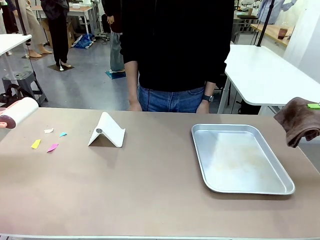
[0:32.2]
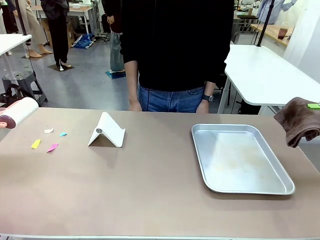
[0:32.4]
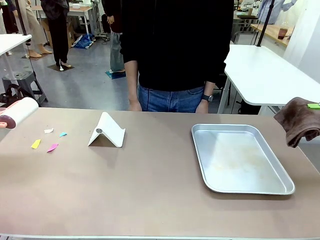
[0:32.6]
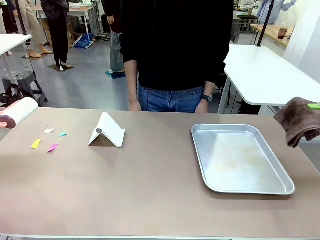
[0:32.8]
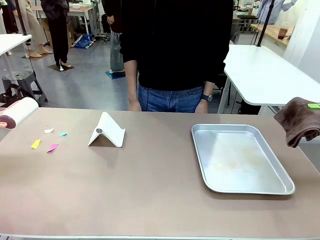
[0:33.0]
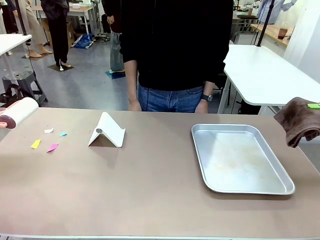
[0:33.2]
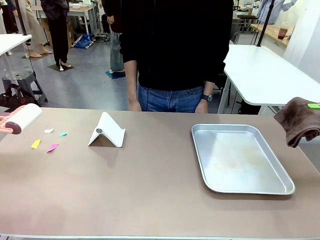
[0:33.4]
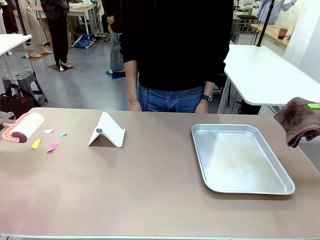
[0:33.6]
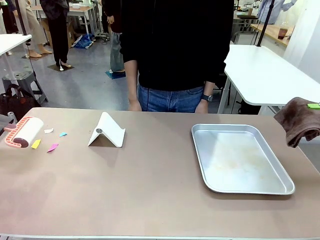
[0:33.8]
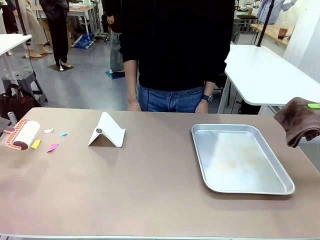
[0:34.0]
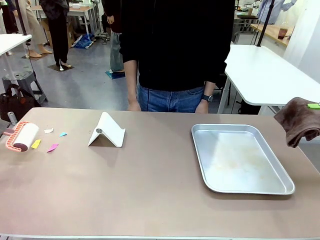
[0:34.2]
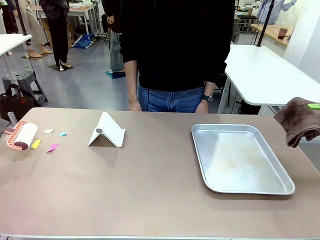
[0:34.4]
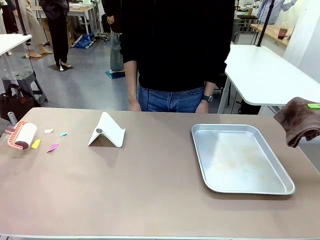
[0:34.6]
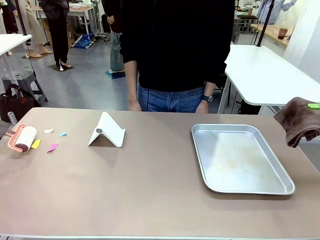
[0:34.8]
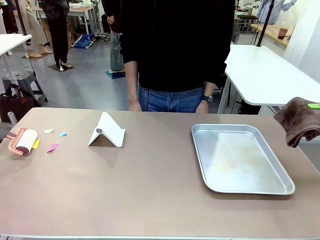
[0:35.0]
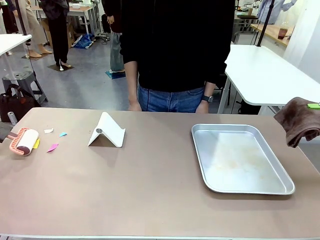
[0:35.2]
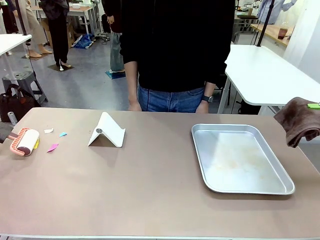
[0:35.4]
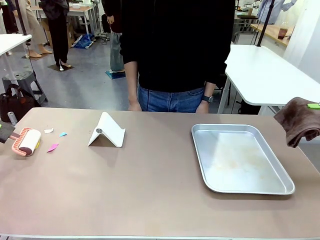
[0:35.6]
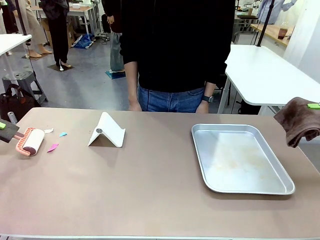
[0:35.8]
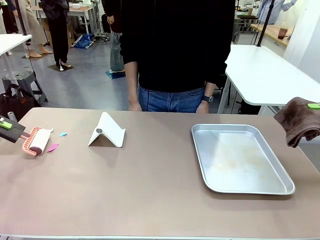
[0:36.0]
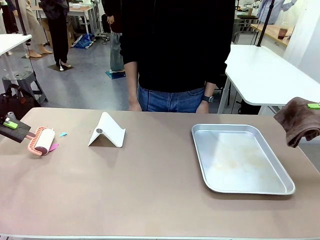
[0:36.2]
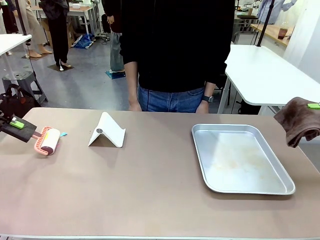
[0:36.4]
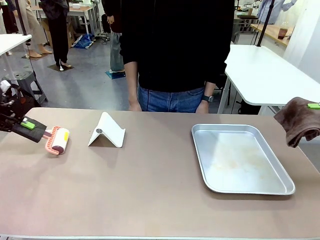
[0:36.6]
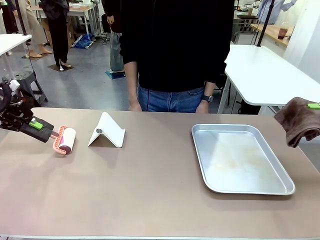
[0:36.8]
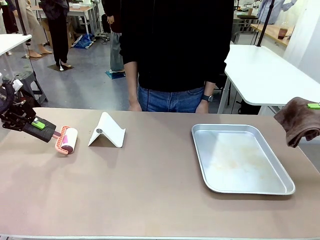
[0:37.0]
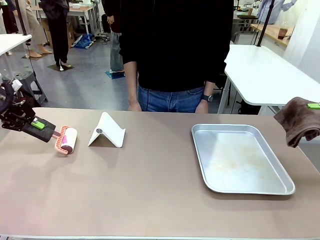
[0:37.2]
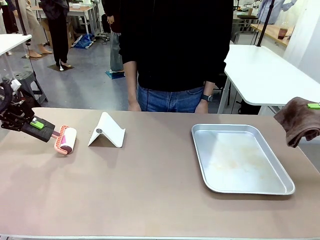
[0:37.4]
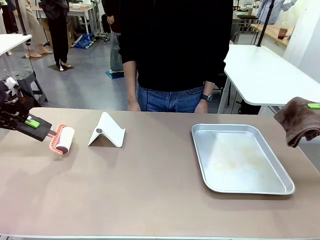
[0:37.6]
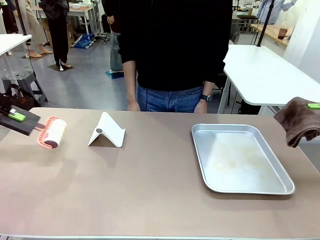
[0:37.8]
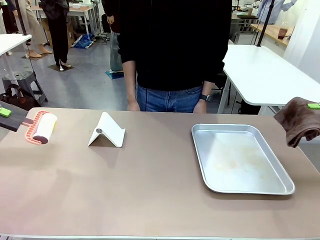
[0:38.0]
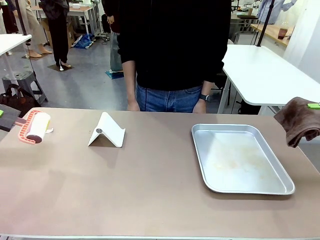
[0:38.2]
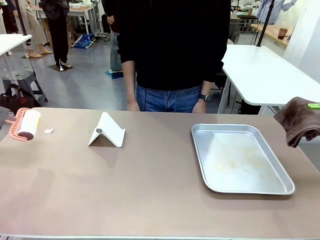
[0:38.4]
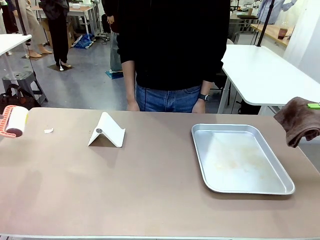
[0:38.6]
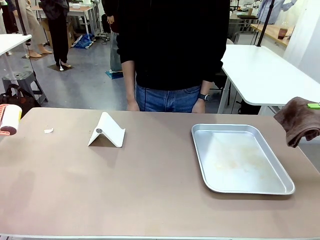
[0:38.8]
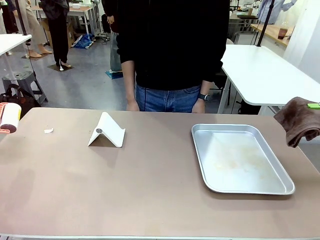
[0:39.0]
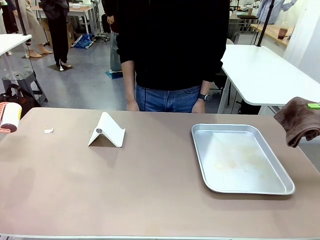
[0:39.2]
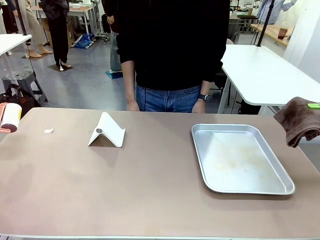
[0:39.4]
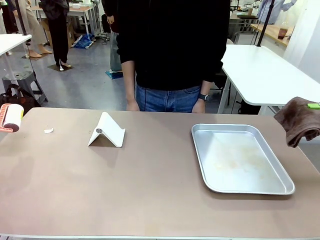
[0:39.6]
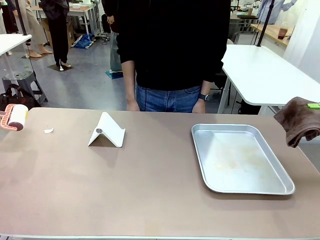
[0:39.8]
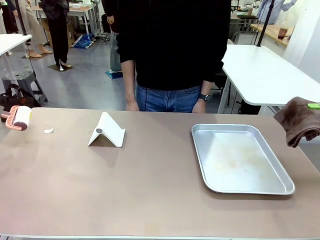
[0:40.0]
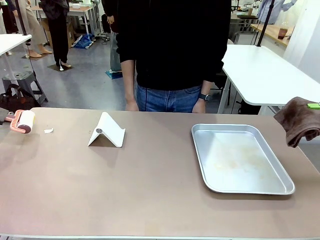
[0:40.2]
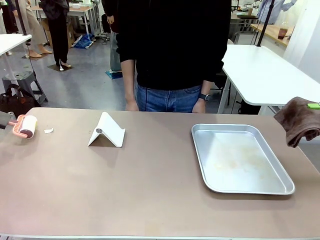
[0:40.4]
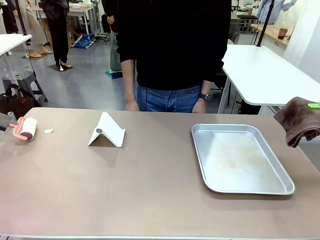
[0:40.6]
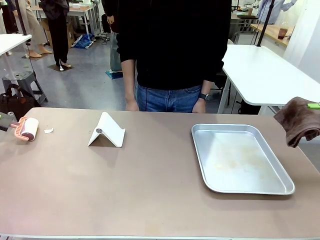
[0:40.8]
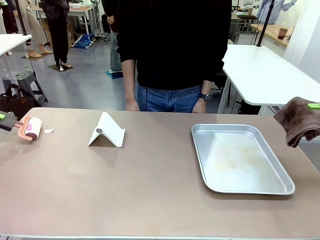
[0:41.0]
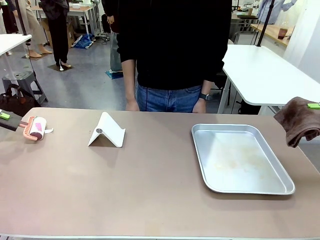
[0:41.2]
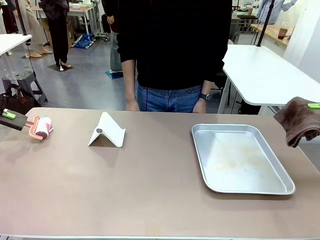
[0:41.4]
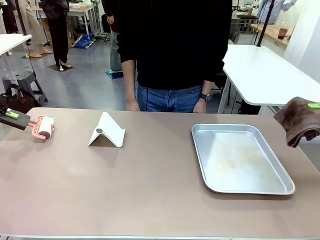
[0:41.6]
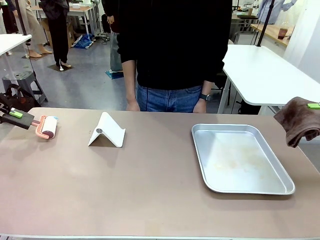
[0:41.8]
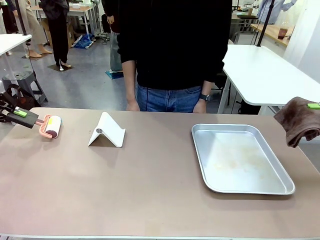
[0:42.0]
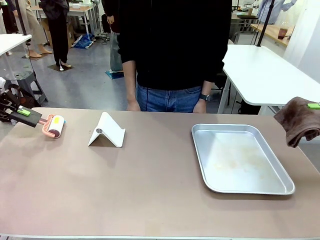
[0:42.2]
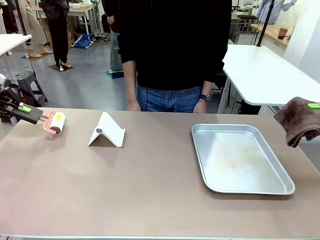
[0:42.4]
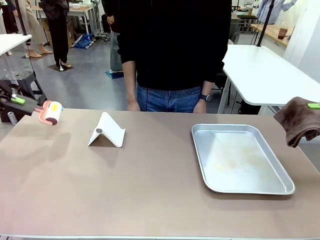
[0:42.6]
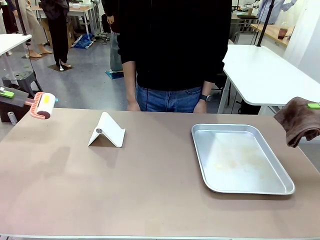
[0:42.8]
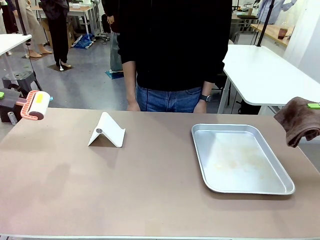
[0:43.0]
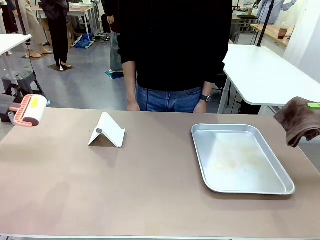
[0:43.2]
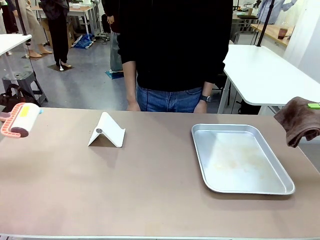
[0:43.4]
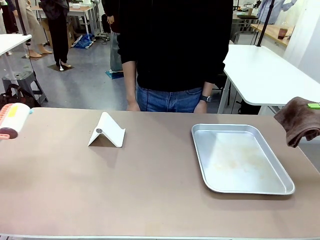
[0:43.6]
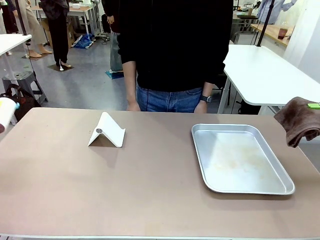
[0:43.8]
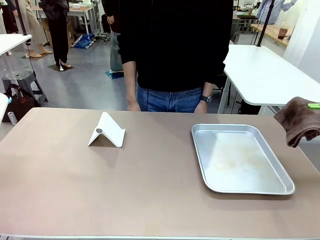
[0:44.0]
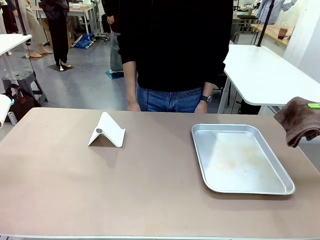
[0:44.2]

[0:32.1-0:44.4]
Task: Clean the surface of the table.
Robot: Clean the area not pointed to by the person.

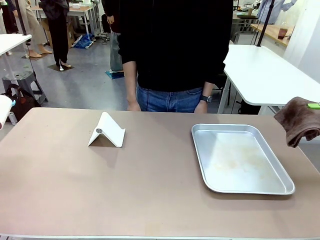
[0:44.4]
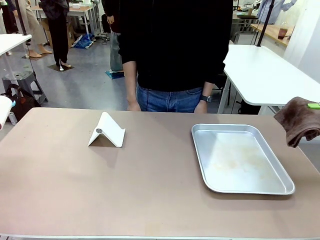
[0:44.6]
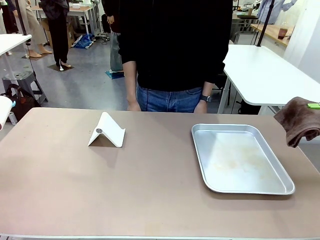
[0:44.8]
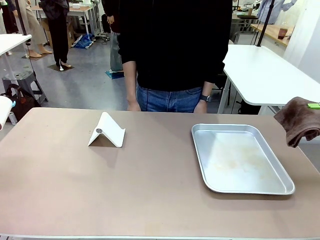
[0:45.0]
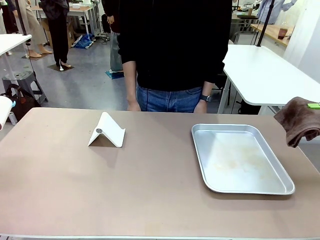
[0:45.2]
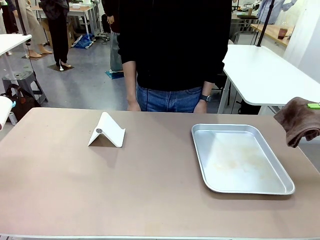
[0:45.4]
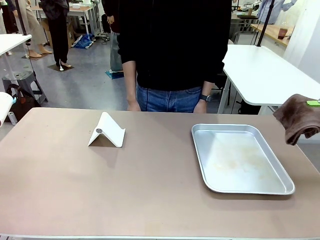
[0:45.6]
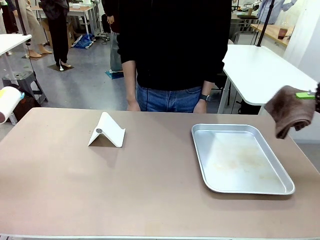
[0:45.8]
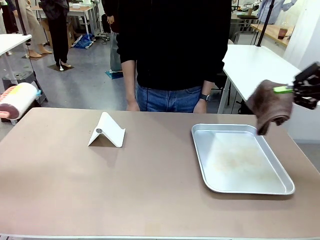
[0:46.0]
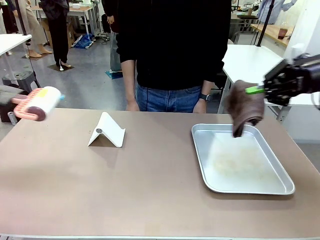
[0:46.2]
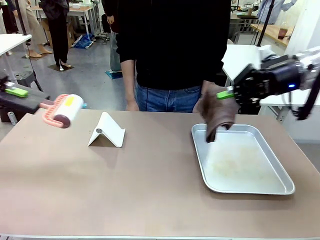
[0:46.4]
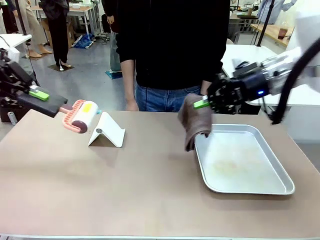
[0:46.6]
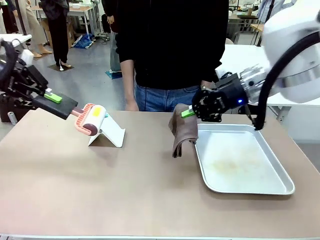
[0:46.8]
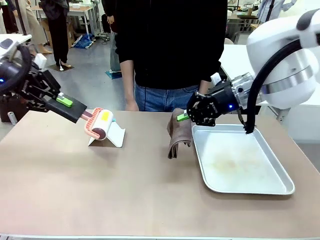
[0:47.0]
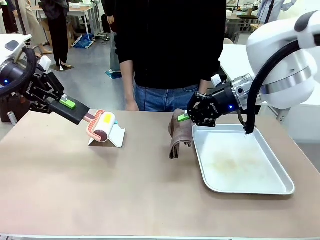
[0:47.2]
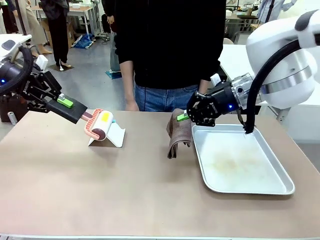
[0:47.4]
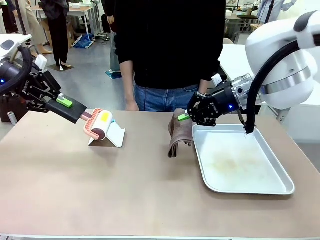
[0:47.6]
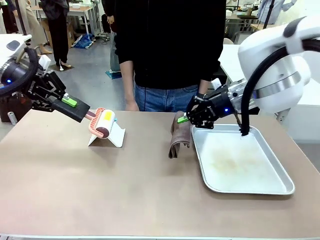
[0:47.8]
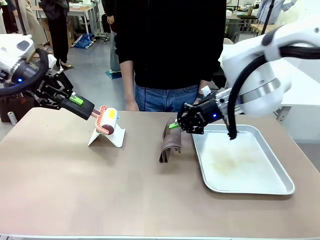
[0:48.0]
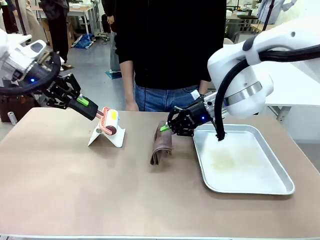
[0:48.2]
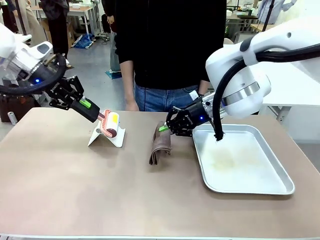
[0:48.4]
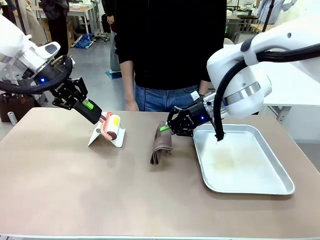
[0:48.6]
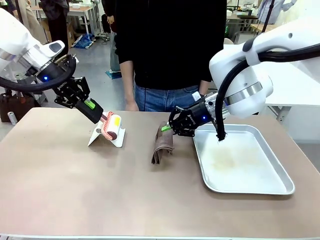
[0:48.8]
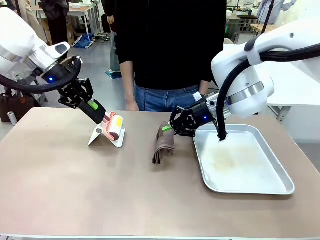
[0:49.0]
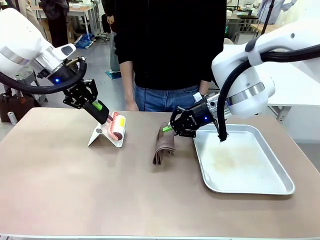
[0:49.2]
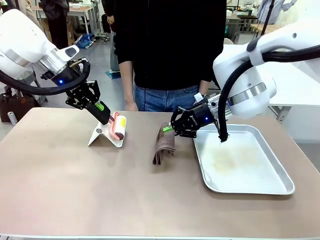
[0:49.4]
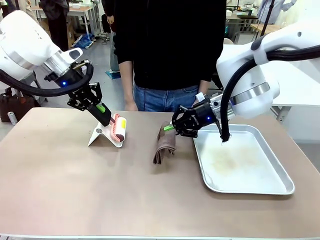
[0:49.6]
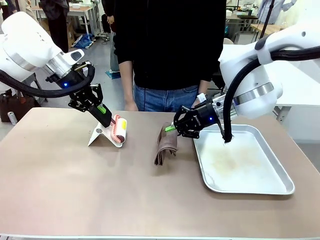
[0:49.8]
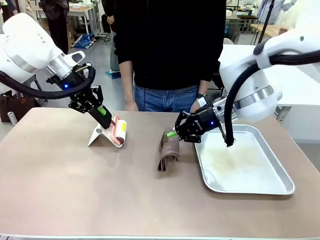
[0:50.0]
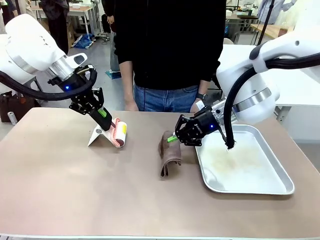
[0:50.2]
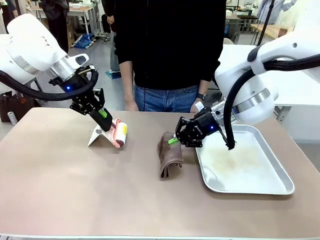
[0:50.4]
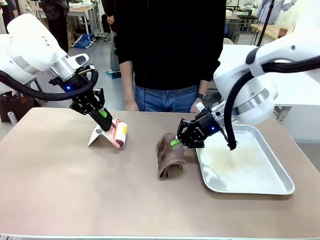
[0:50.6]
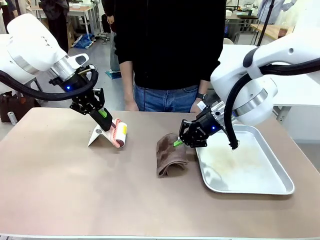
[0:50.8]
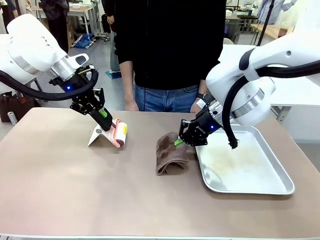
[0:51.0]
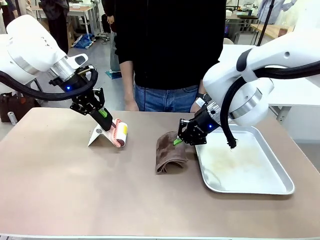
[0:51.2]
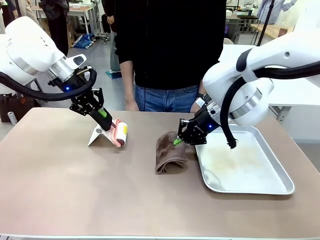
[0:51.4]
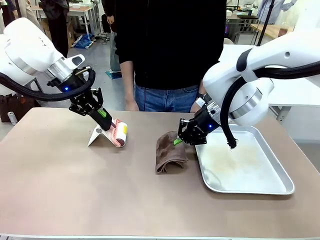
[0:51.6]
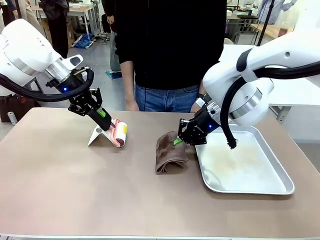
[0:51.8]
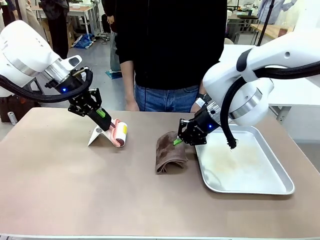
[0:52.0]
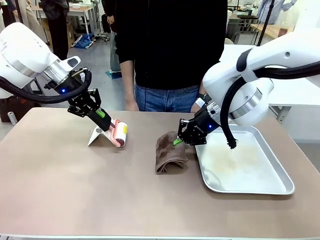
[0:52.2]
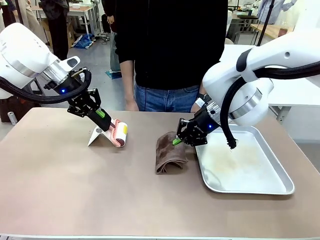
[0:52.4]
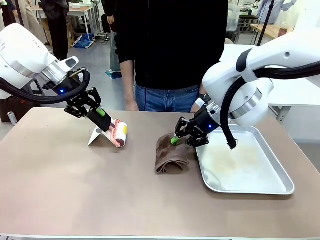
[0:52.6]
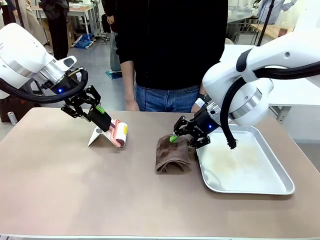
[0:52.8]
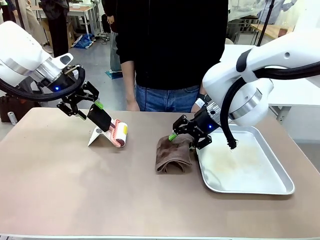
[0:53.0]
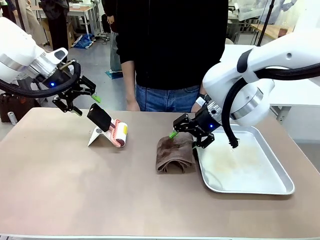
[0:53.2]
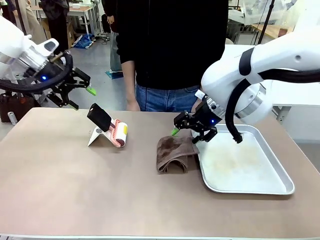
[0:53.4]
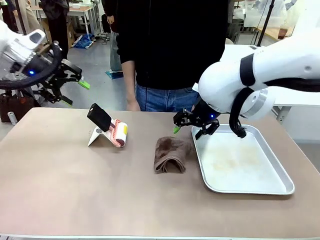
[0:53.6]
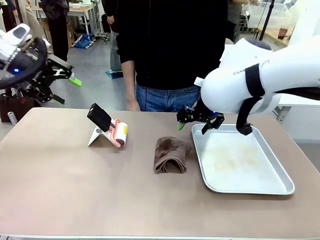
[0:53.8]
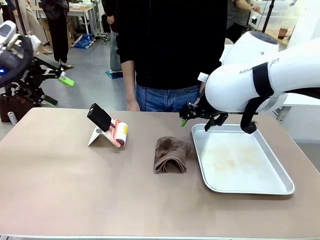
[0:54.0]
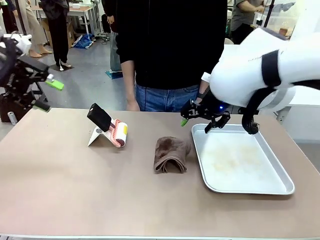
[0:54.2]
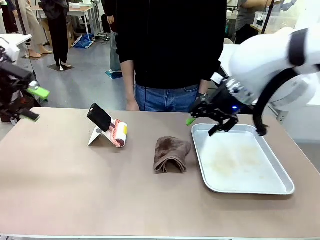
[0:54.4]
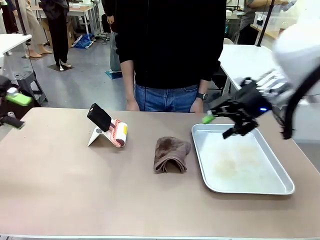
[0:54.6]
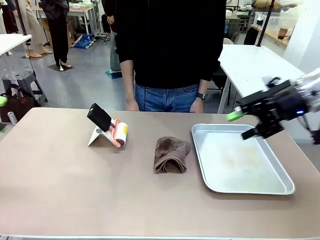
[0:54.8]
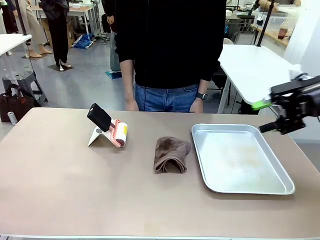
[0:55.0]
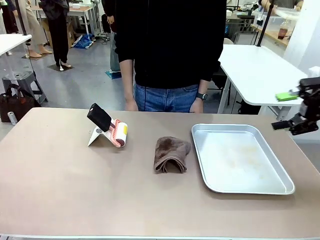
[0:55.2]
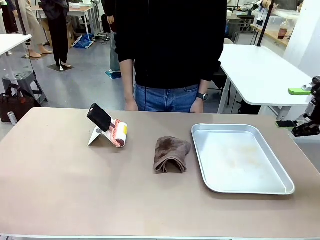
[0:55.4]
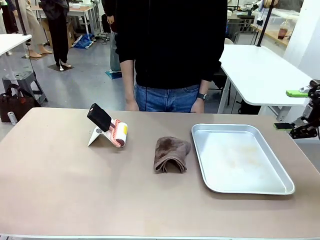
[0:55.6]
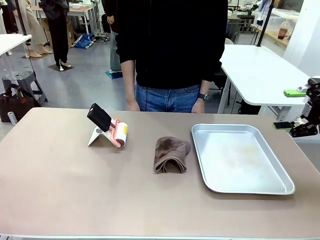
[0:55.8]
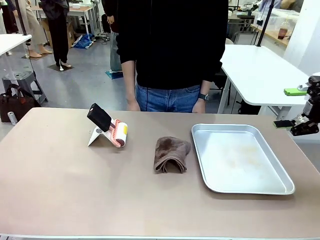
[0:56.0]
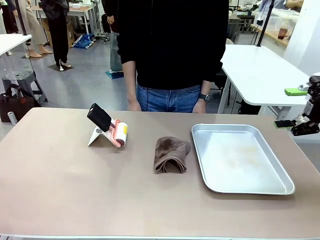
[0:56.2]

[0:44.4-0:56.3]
Robot: Return the Lint Roller and towel to their original positions.
